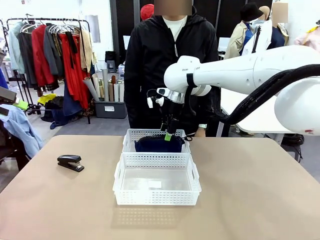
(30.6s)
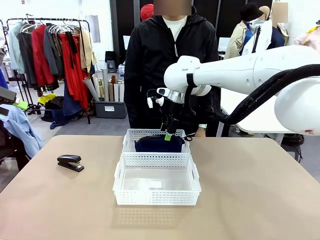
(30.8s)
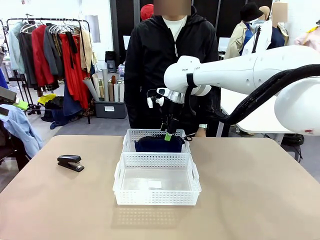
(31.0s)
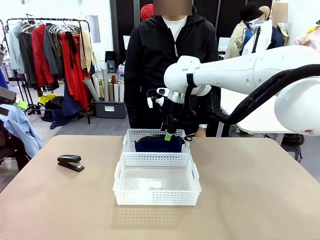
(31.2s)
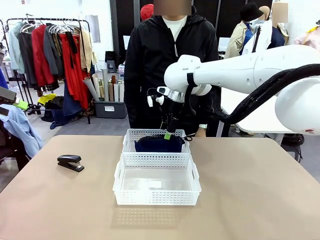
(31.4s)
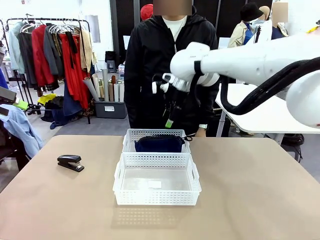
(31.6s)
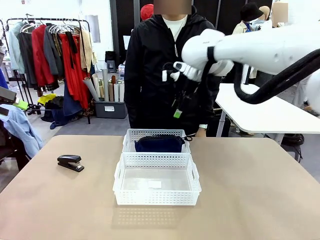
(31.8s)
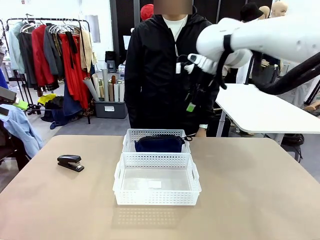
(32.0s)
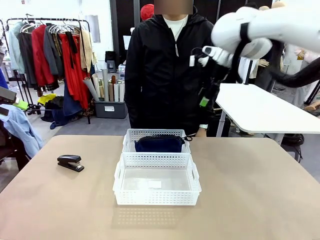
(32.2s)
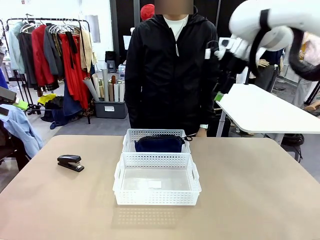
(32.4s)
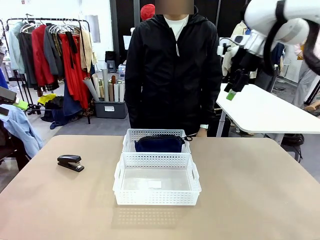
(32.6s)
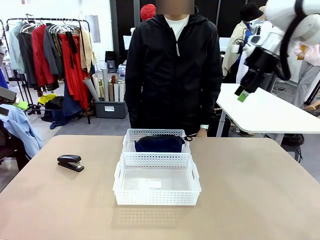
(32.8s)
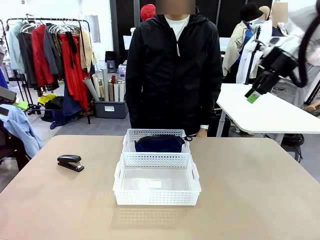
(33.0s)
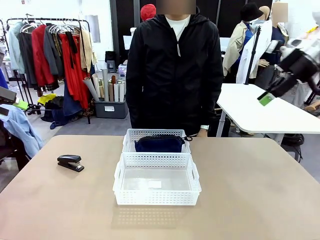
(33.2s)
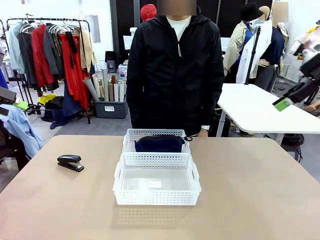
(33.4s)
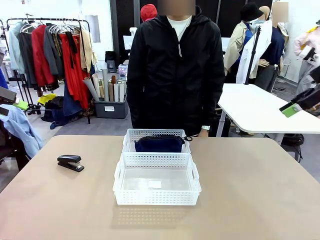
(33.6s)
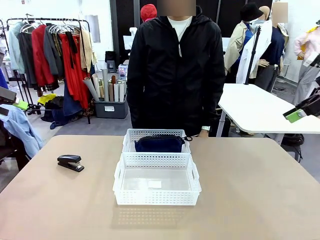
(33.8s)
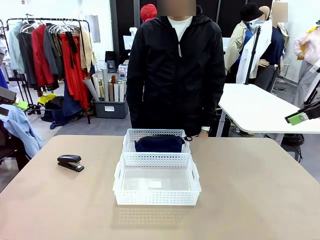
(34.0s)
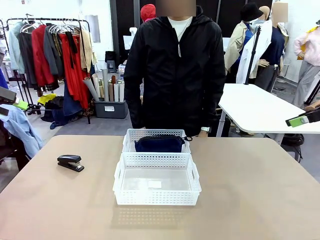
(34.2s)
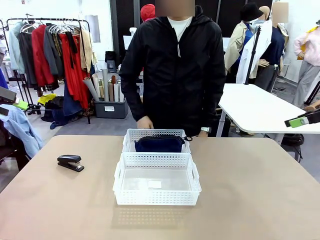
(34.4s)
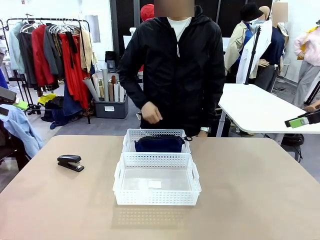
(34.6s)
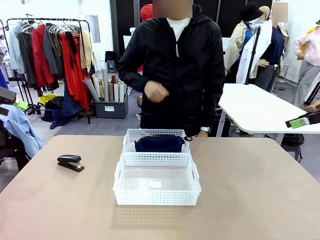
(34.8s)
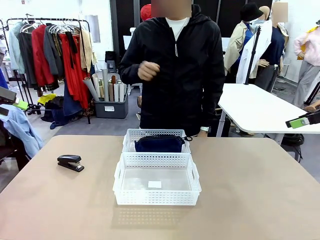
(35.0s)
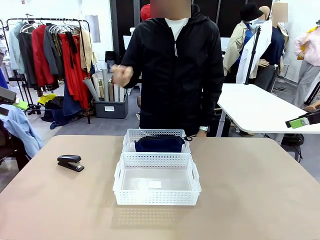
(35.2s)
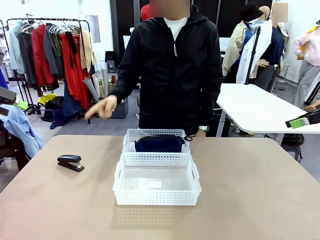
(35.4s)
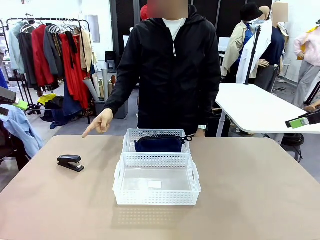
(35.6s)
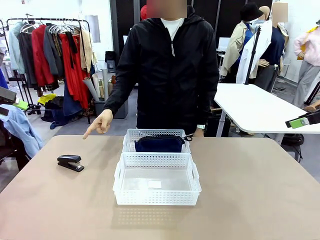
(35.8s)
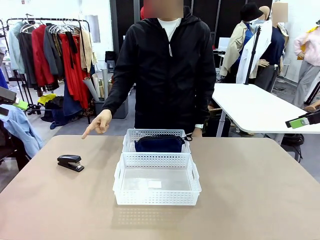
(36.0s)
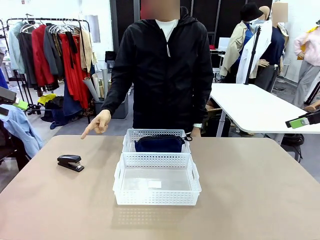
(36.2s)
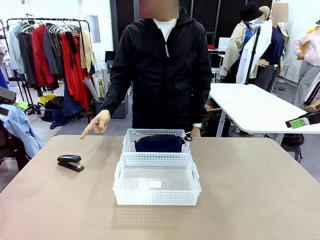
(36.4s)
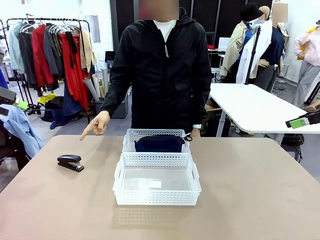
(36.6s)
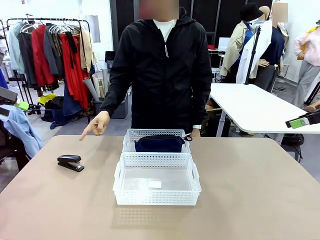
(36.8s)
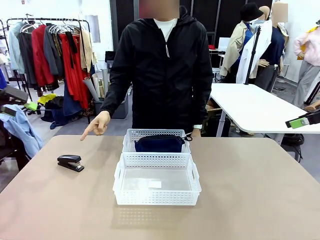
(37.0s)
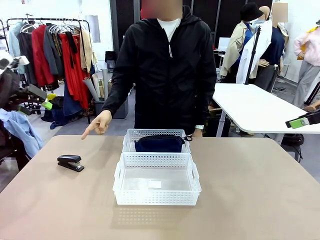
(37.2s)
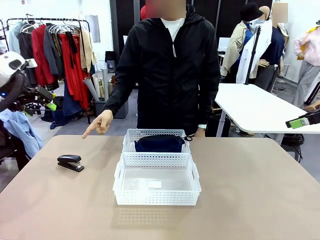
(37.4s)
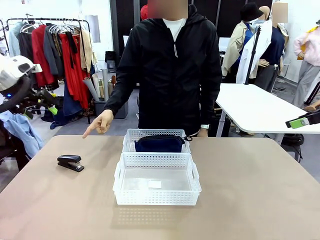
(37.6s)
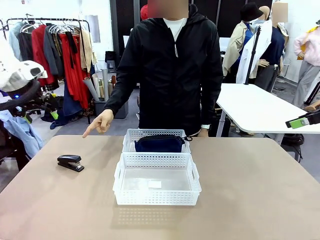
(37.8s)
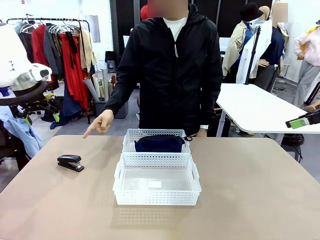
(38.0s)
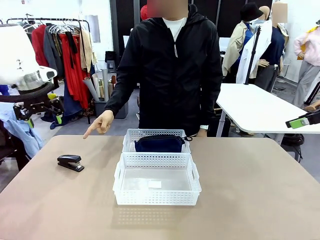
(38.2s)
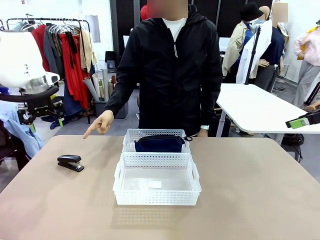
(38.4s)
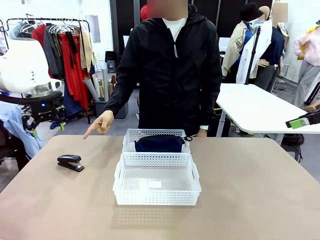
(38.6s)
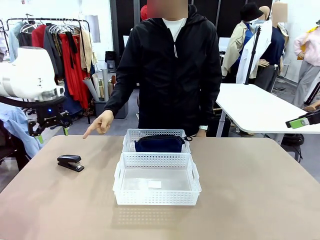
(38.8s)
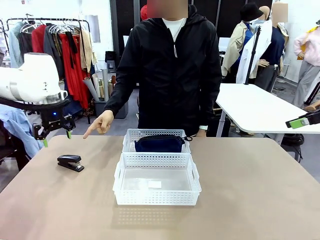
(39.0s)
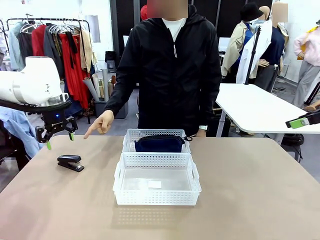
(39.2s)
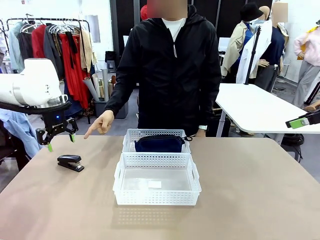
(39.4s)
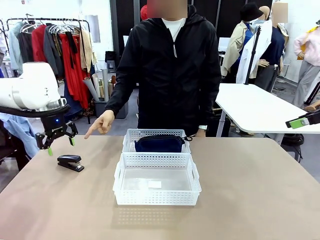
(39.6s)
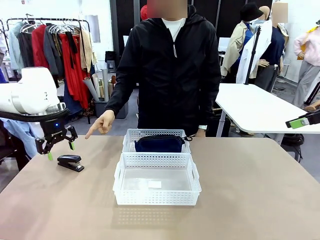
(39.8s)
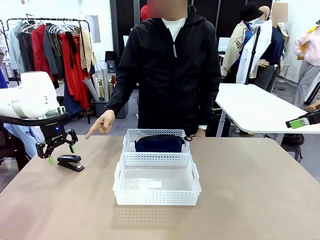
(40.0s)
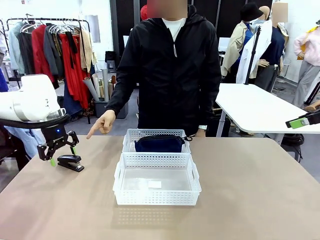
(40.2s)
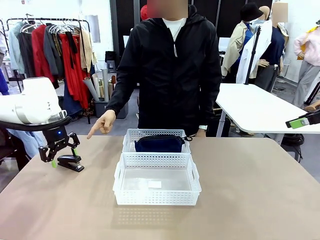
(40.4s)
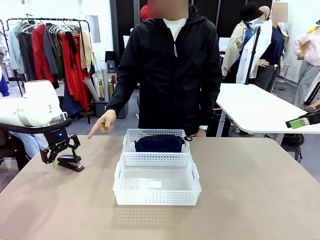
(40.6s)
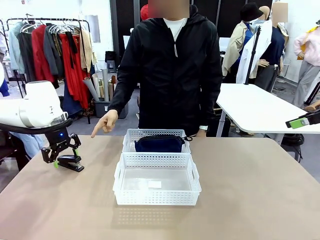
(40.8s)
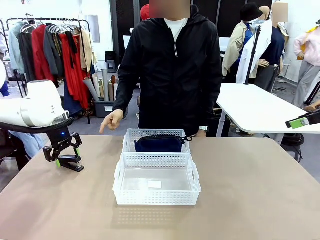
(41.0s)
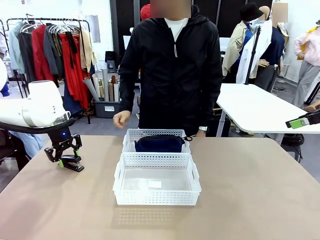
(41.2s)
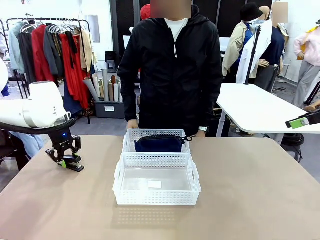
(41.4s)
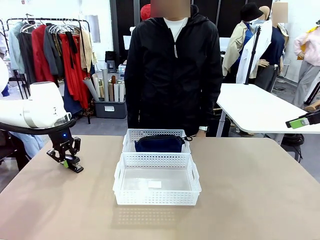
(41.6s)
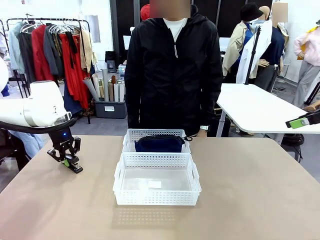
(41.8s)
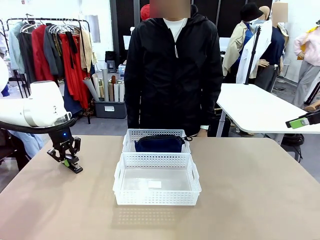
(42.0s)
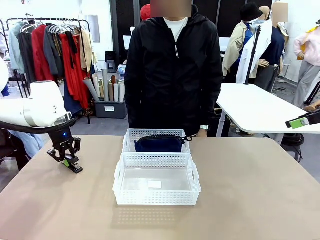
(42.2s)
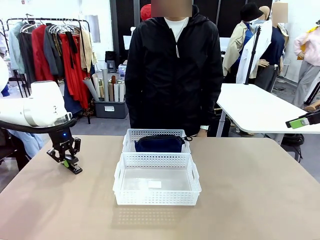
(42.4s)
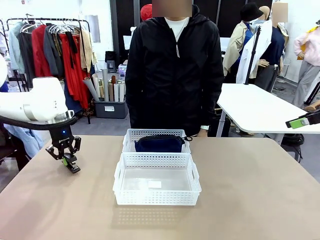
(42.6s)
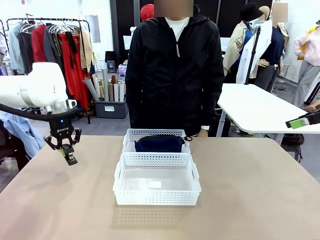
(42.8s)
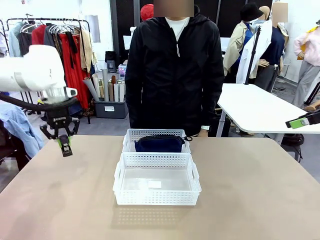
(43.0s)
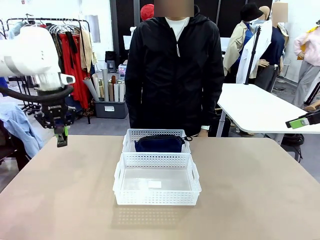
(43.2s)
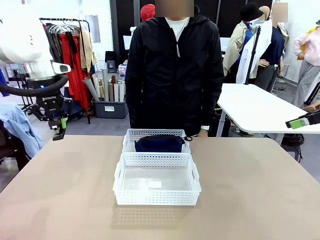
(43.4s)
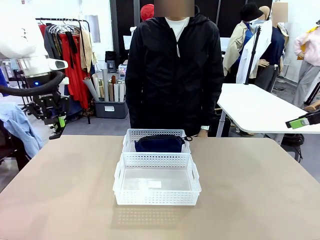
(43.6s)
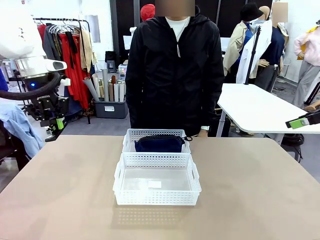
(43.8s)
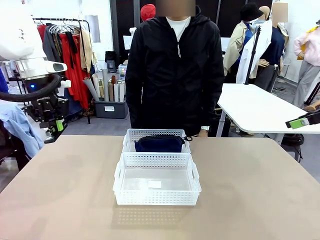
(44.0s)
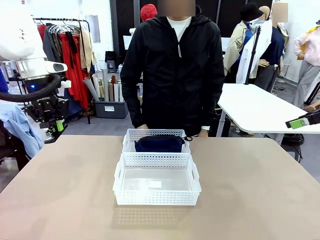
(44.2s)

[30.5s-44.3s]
Task: Distribute items into two baskets.
Robot: Pick up the Stapler that the person points to.
